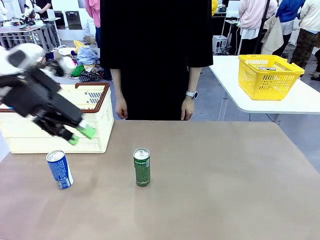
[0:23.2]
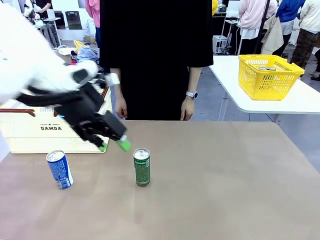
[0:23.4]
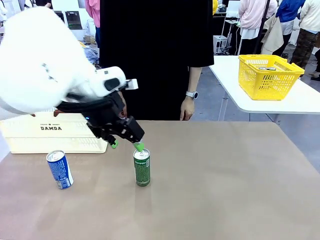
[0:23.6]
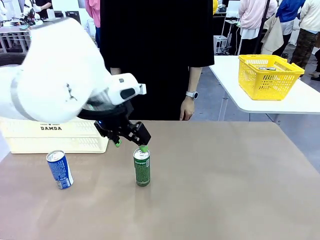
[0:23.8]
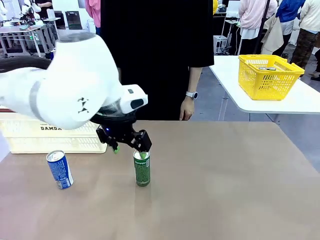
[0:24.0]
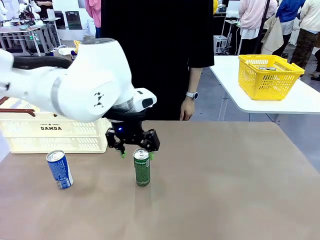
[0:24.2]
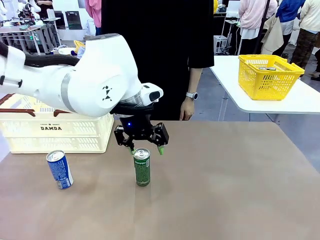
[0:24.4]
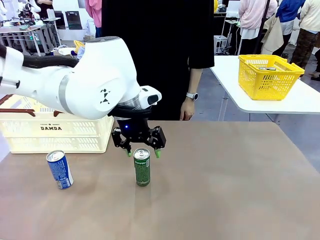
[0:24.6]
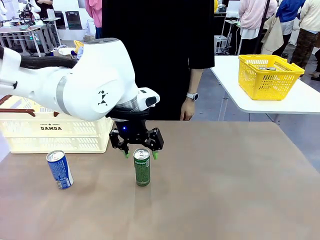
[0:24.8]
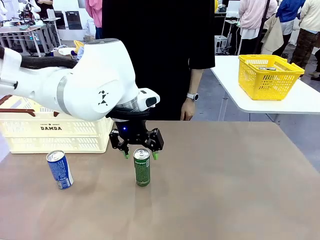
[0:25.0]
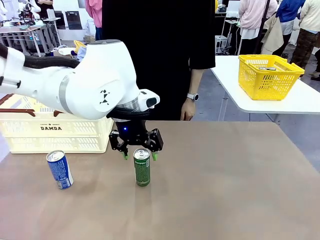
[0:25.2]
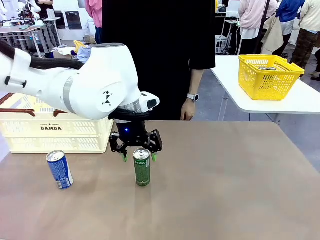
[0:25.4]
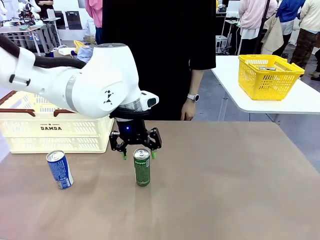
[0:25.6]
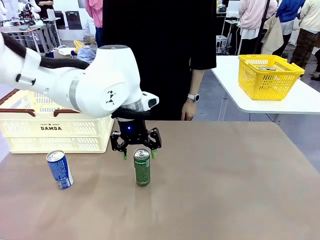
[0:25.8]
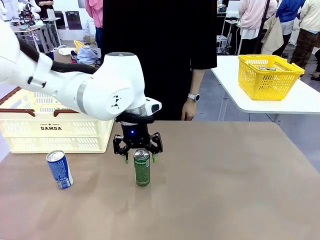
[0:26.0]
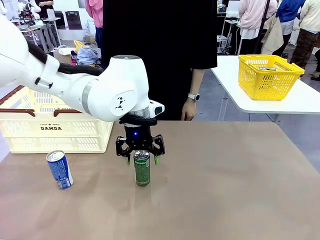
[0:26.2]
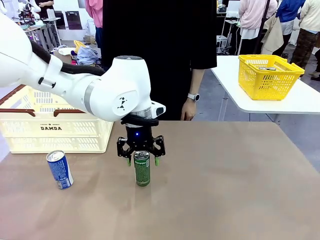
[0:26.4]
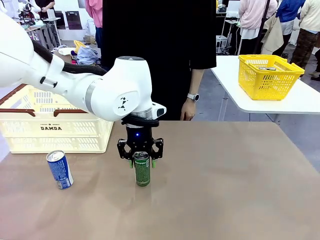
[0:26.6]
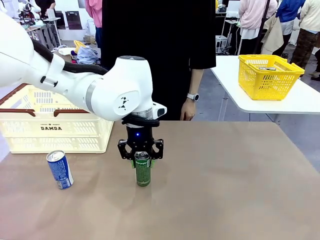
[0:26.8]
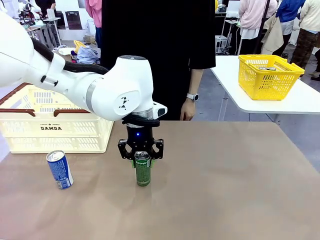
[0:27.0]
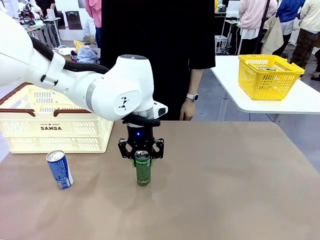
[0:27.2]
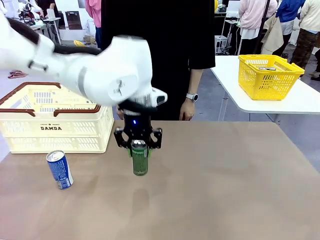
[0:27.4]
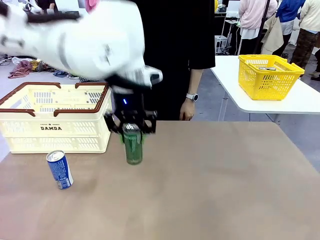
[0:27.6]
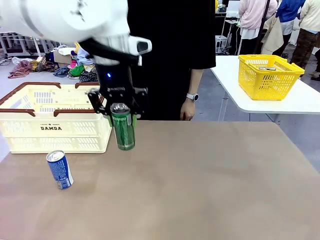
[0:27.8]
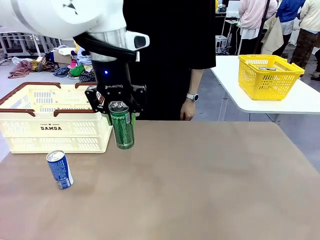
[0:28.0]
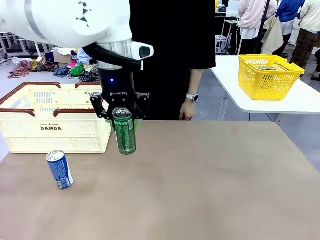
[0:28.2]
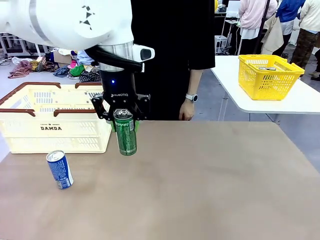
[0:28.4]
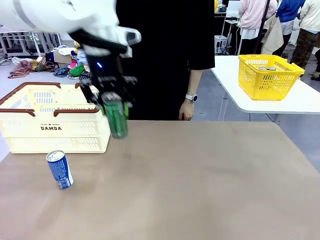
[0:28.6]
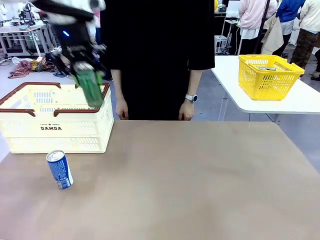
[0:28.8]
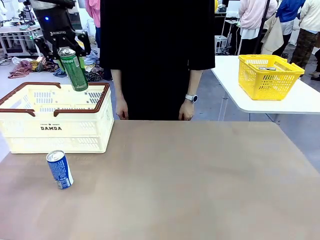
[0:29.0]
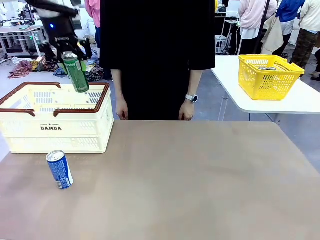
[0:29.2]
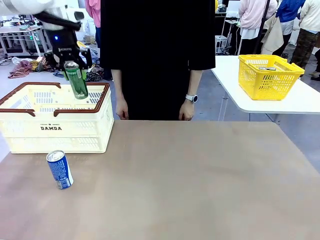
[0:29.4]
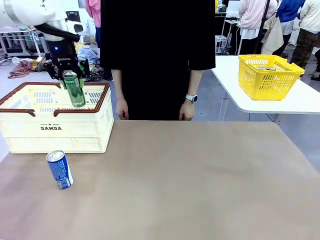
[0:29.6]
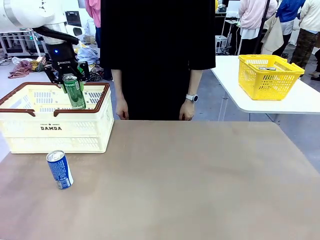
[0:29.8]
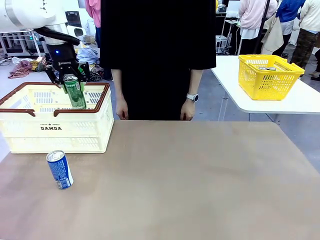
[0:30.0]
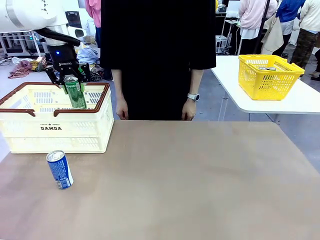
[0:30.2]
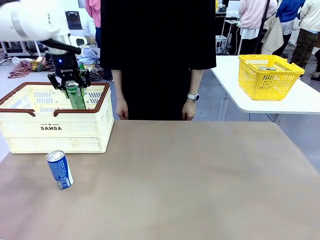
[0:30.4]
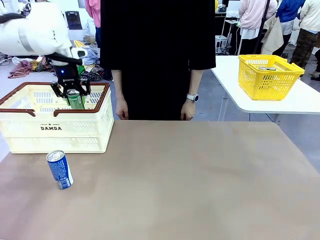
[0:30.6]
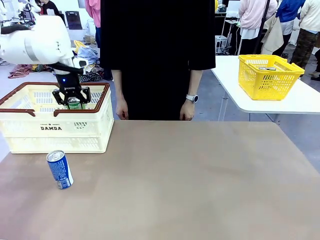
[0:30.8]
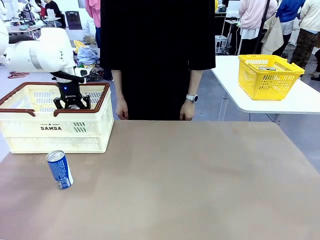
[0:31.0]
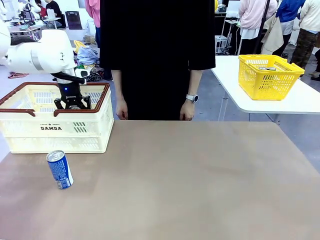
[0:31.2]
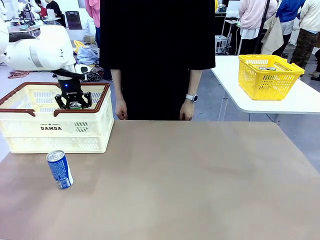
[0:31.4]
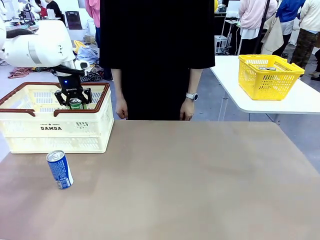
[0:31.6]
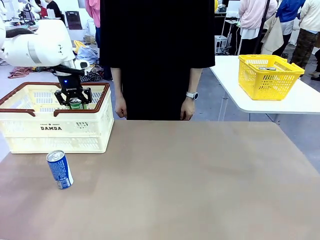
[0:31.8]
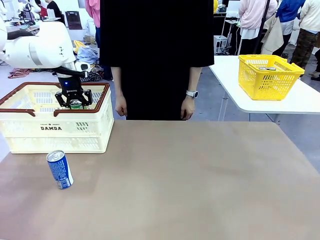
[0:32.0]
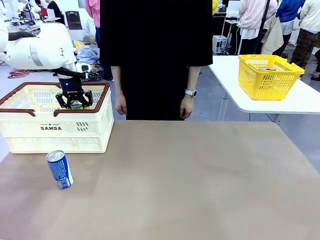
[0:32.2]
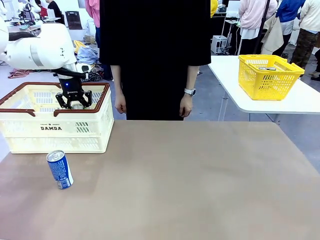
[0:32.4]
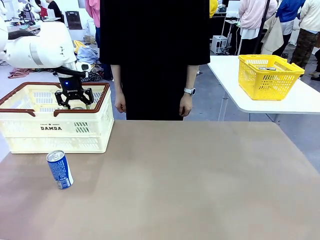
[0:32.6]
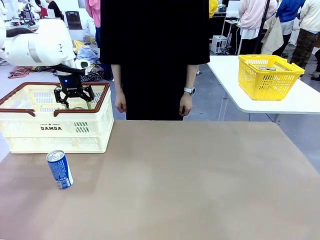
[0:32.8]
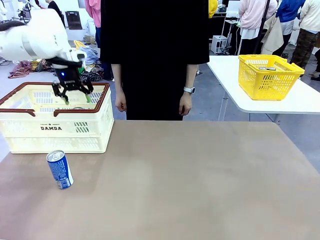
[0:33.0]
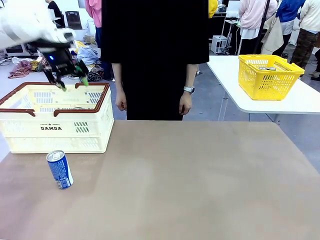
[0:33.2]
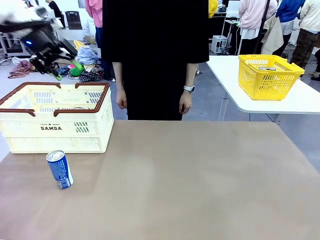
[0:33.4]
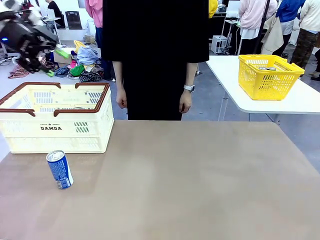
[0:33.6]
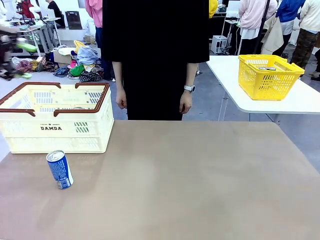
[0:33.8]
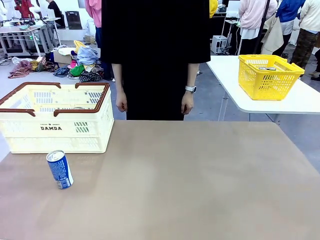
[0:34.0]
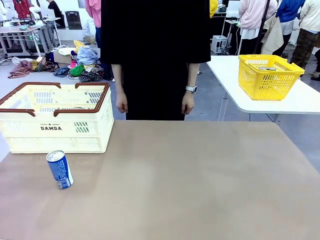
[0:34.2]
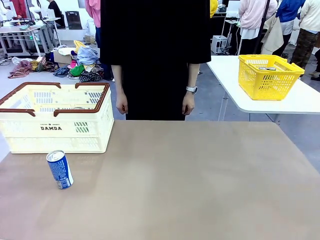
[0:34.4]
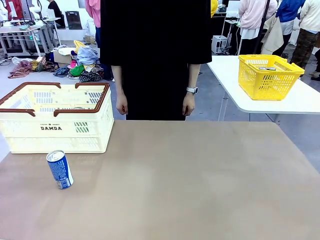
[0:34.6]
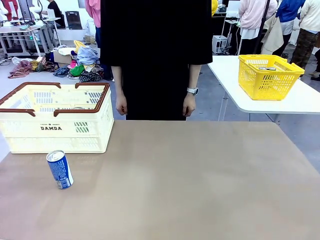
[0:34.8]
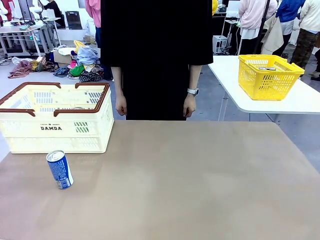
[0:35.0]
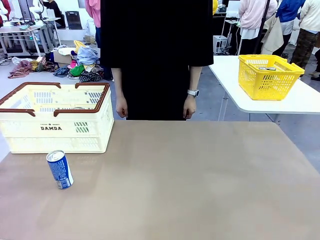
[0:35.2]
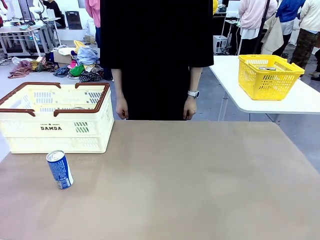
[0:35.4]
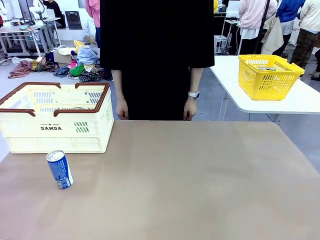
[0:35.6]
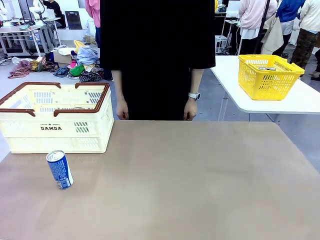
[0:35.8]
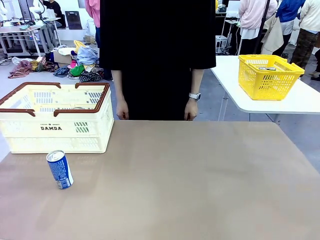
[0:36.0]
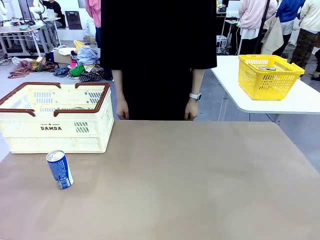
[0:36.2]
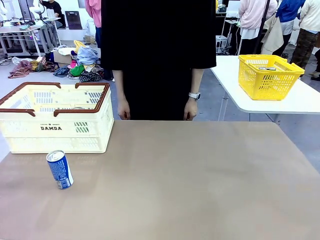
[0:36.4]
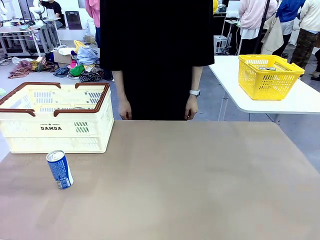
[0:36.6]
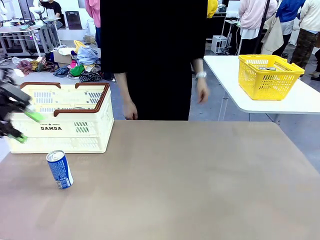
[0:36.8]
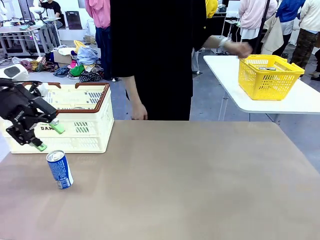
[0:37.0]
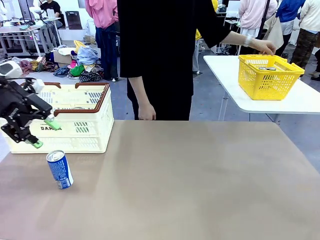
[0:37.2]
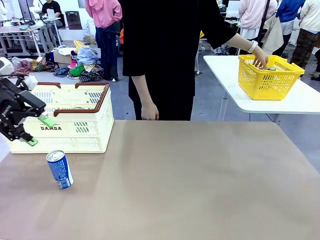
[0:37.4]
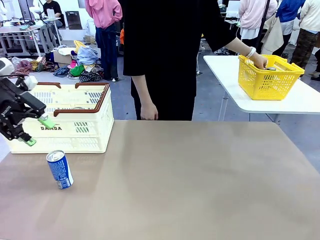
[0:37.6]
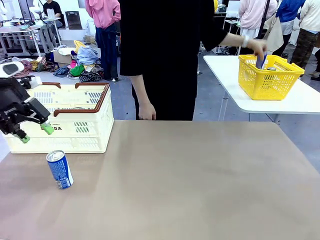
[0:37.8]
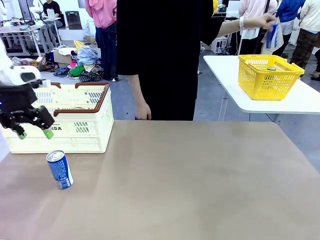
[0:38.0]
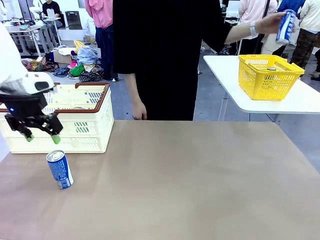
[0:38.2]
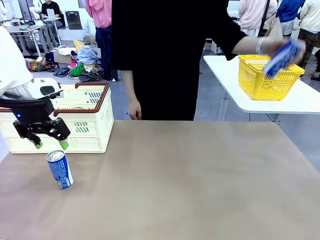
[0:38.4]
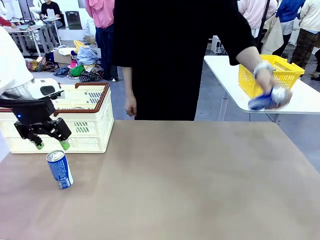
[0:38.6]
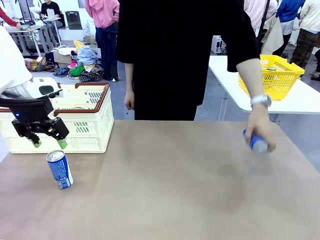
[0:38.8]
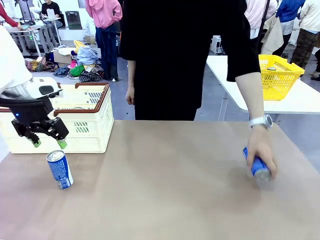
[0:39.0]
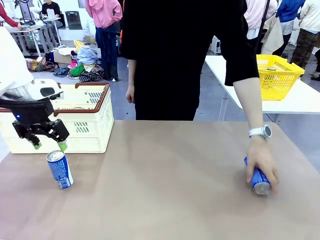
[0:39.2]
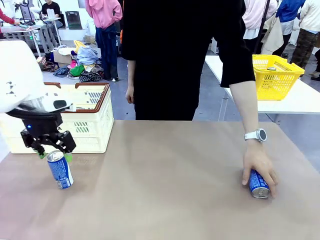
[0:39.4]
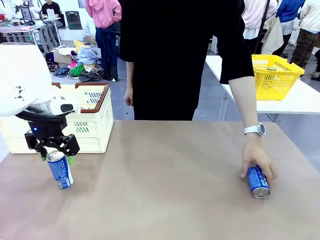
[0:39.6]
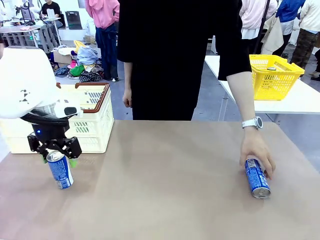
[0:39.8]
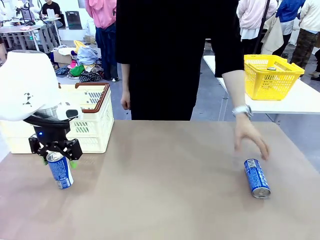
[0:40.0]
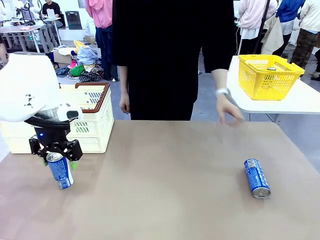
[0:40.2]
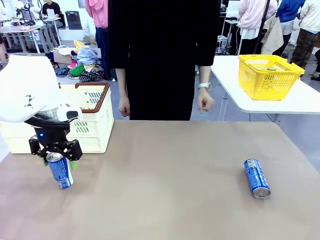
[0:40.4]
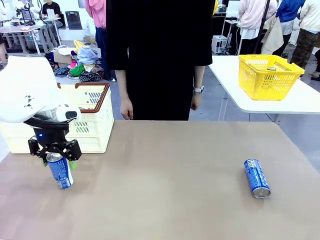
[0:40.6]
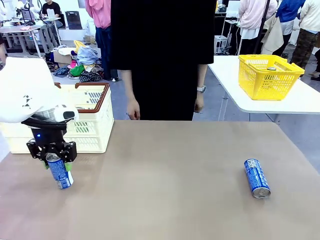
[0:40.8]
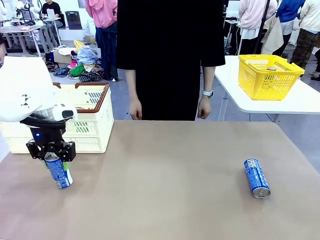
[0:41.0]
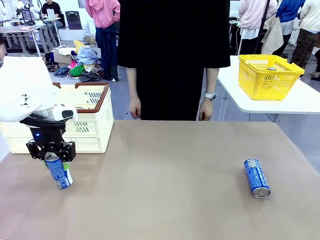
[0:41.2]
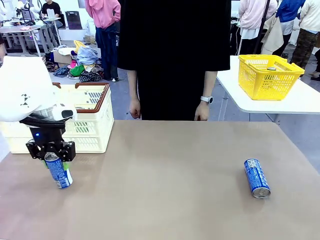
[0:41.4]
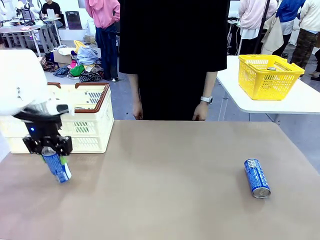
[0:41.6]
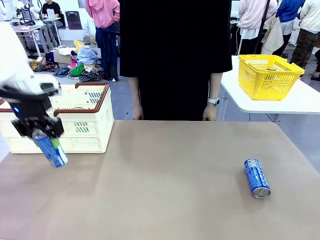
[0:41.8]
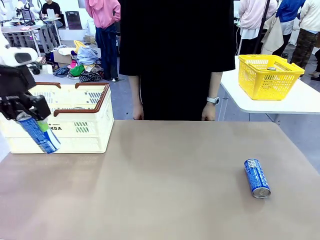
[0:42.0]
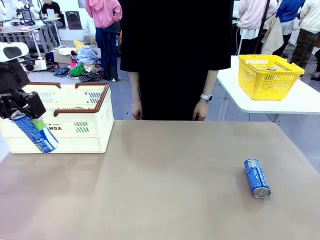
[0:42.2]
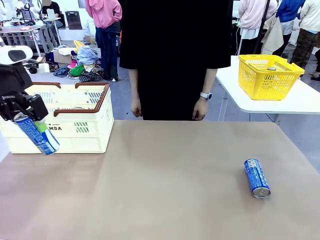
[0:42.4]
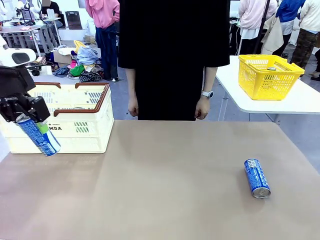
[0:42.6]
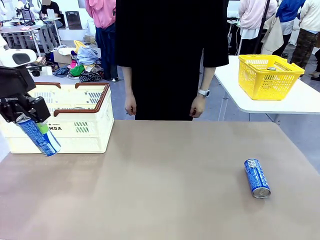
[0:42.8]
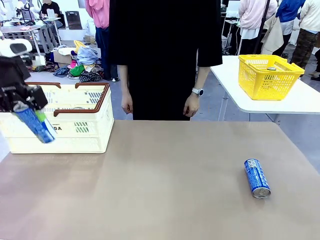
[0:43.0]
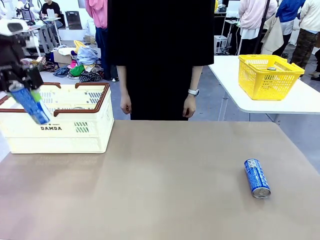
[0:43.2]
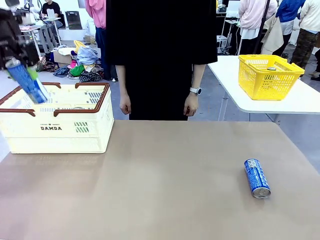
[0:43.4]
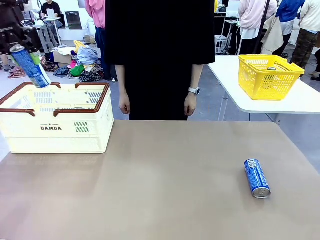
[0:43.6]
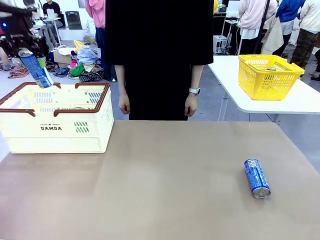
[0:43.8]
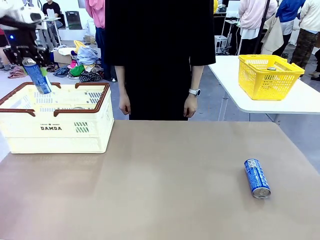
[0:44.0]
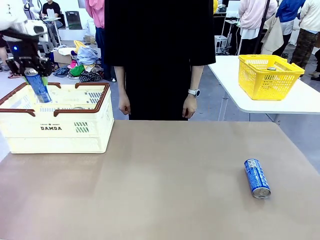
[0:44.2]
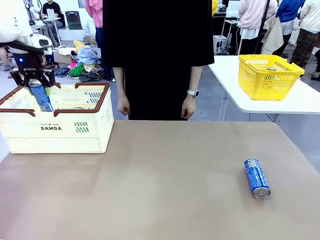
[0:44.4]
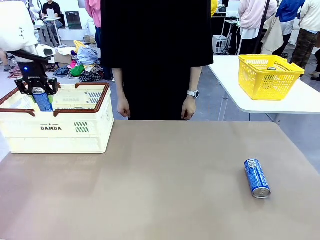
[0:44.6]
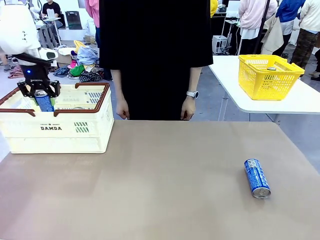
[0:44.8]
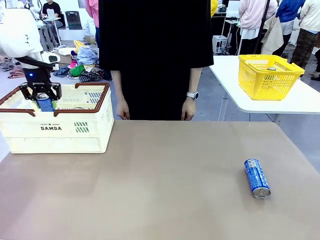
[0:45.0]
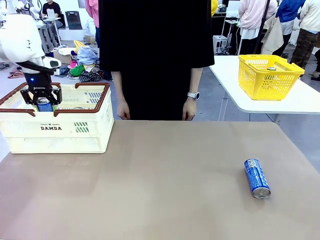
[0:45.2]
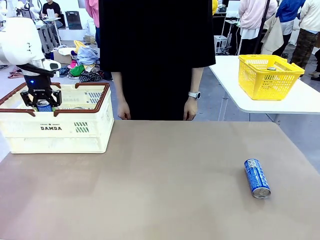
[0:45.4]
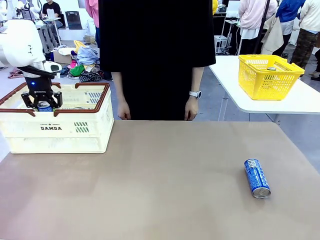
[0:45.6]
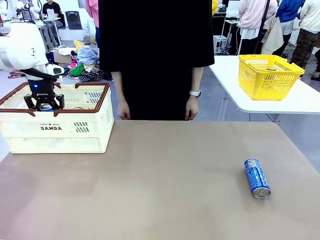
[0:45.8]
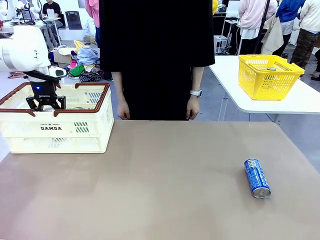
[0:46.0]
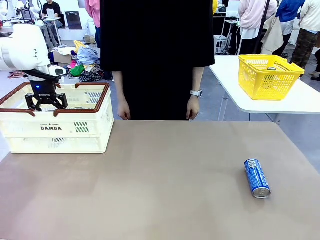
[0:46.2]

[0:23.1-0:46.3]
Task: Place the drinks into the Shopping basket.
Robot: Pick up one drink and place it into the Shopping basket.
